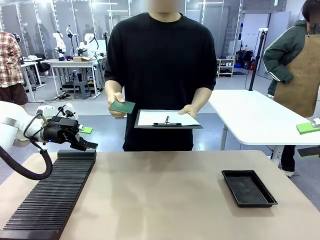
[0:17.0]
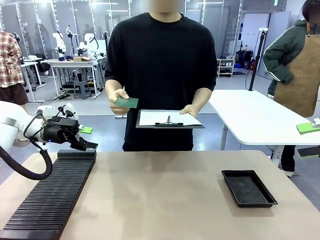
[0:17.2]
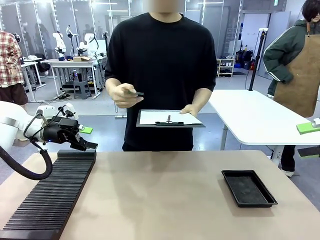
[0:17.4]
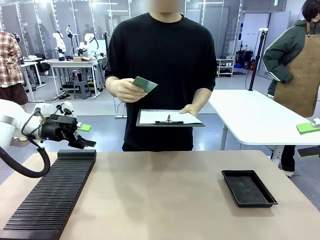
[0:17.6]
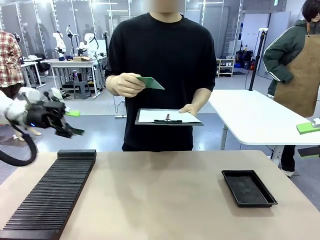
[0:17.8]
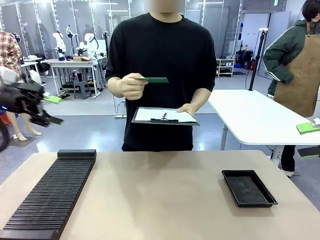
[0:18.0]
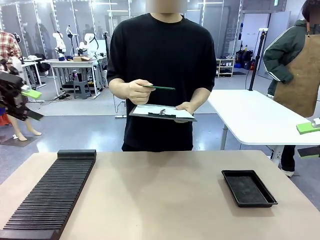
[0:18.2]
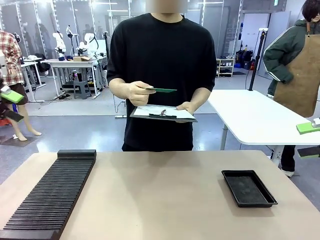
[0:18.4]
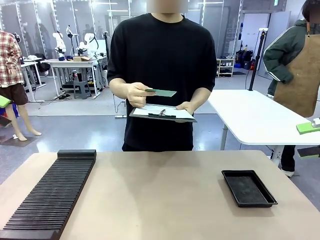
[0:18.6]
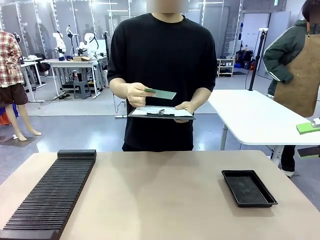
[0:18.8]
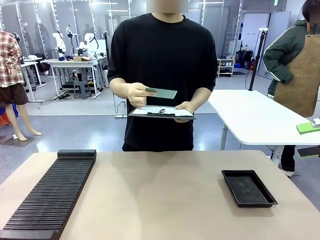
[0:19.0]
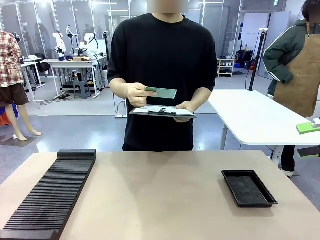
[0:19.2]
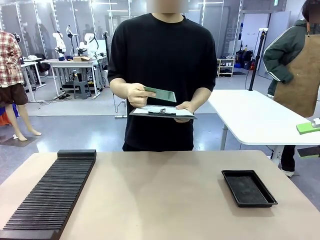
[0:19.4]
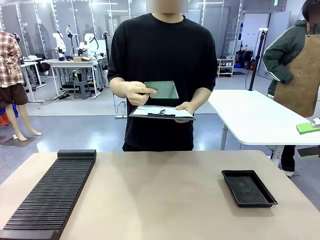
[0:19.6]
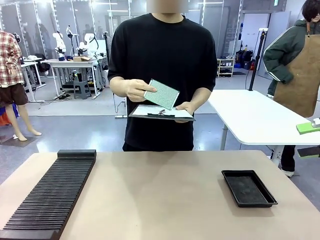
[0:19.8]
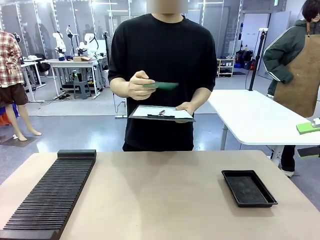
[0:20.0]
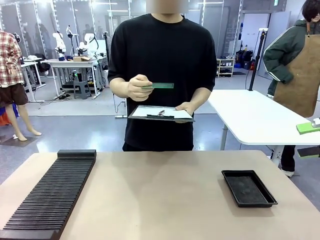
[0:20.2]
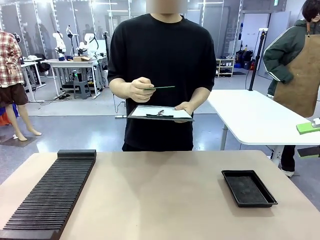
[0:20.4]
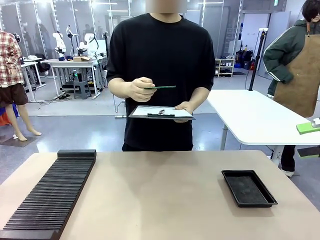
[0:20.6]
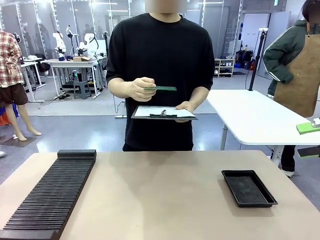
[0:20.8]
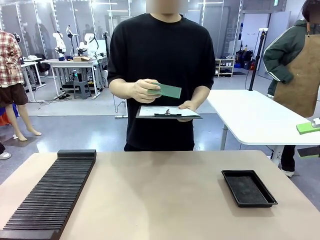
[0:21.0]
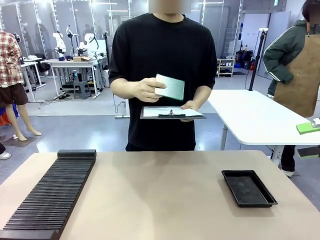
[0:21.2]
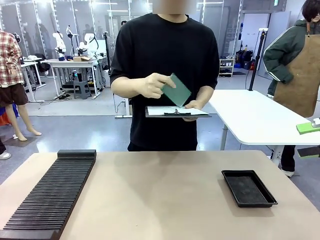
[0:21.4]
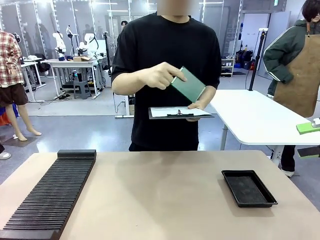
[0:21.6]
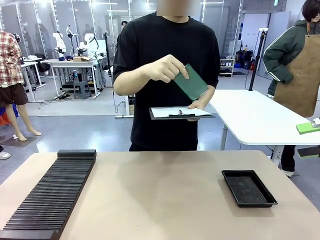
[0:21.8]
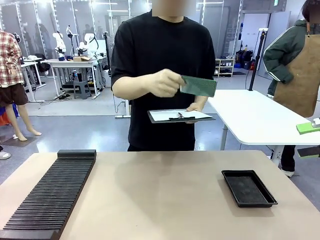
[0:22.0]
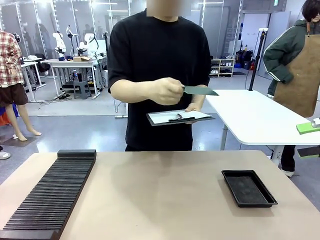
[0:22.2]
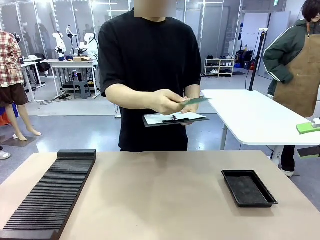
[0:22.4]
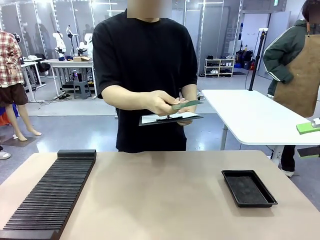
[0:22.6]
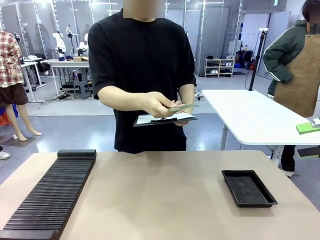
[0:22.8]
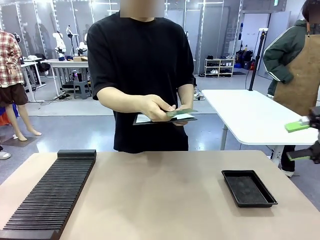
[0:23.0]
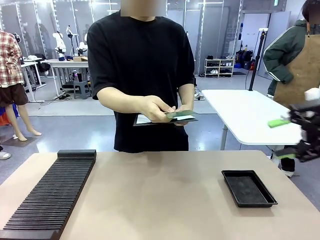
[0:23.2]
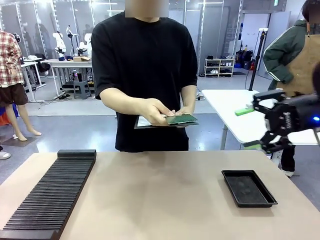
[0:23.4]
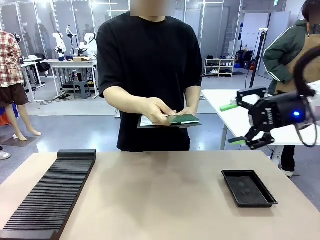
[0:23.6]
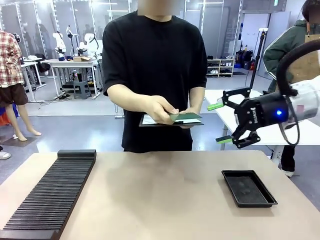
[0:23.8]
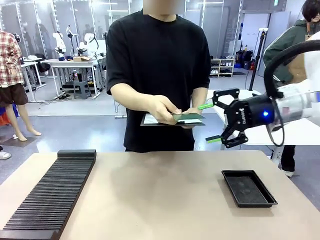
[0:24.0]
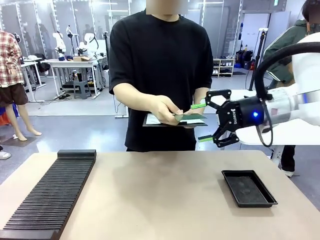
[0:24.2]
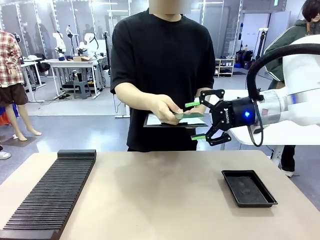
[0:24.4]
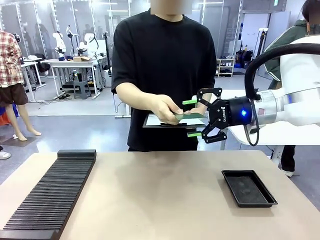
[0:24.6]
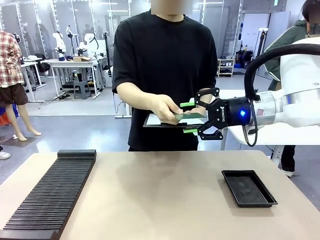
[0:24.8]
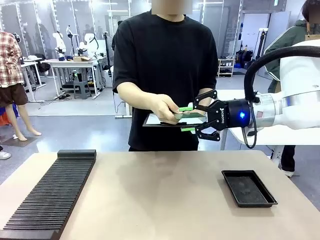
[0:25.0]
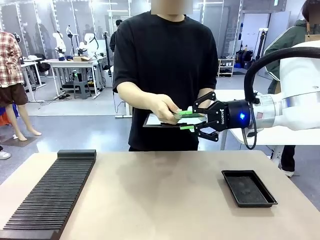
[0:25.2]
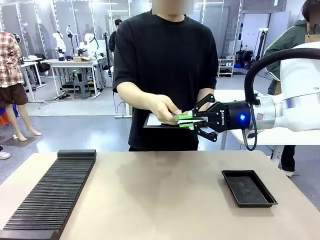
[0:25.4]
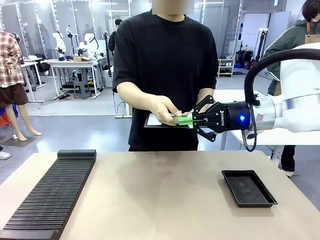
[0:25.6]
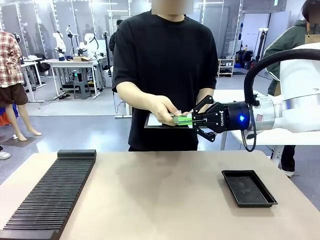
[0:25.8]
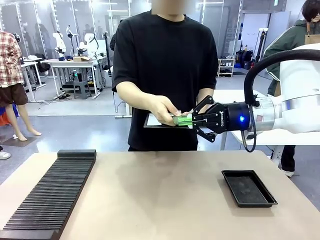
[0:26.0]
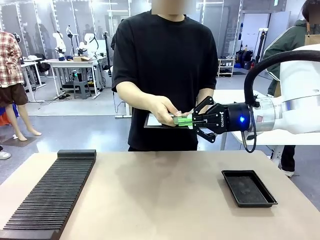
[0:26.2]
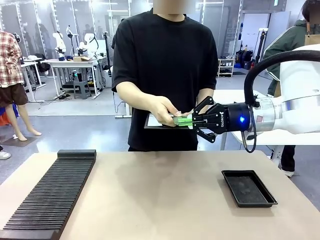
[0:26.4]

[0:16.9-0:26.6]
Task: Inspect the PCB.
Robot: Pick up the Blank PCB that the human is holding.
Person: Inspect the PCB placed by the robot, then hold it out in front of the robot. Release the PCB you were holding.

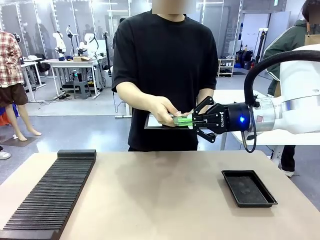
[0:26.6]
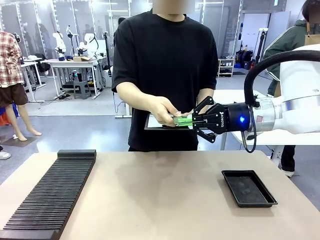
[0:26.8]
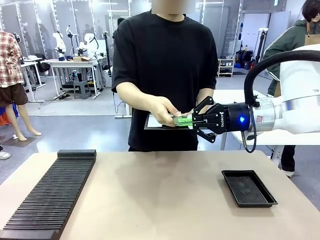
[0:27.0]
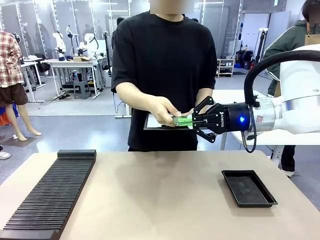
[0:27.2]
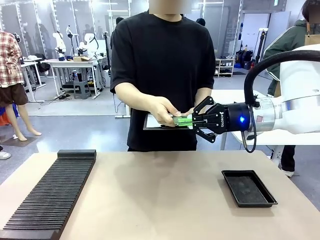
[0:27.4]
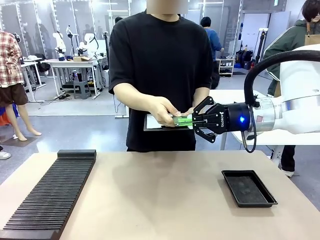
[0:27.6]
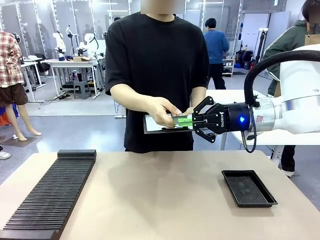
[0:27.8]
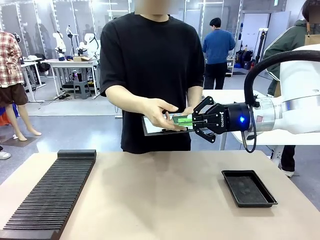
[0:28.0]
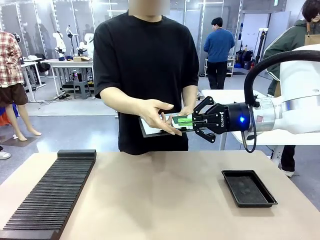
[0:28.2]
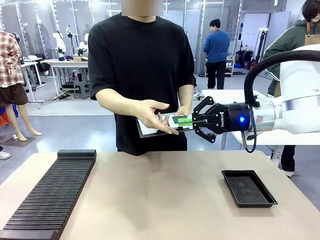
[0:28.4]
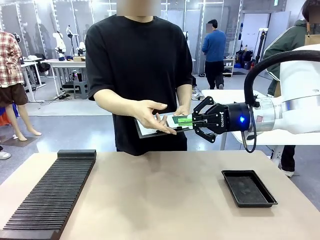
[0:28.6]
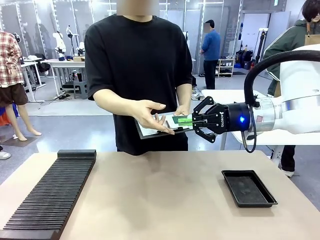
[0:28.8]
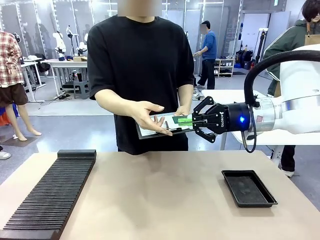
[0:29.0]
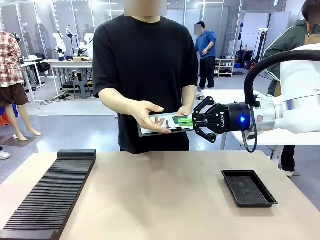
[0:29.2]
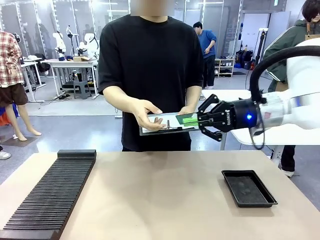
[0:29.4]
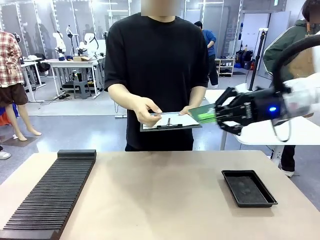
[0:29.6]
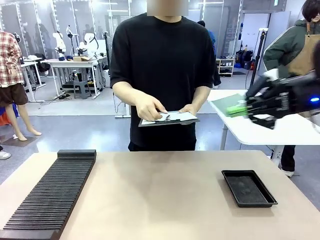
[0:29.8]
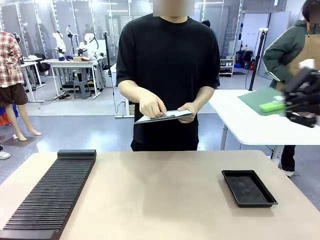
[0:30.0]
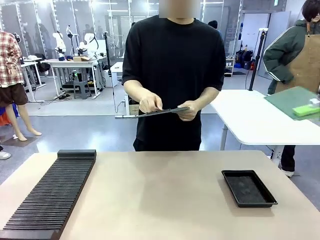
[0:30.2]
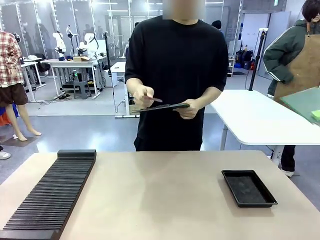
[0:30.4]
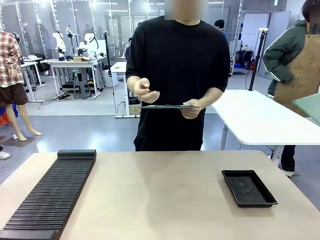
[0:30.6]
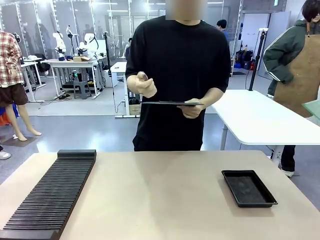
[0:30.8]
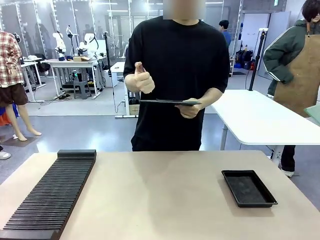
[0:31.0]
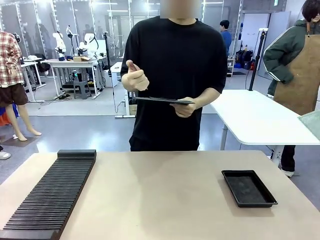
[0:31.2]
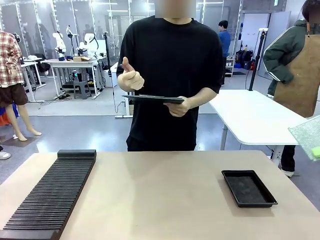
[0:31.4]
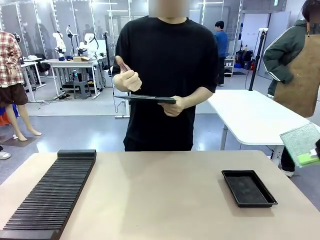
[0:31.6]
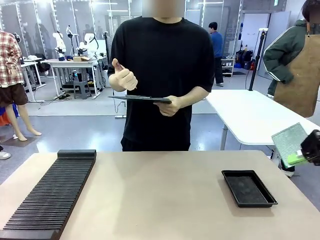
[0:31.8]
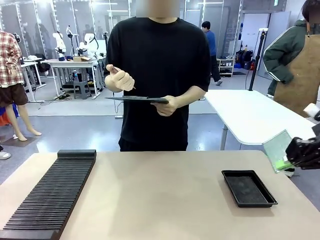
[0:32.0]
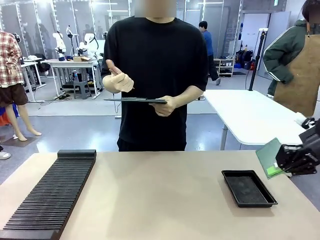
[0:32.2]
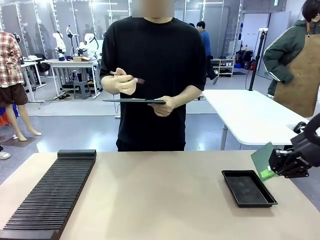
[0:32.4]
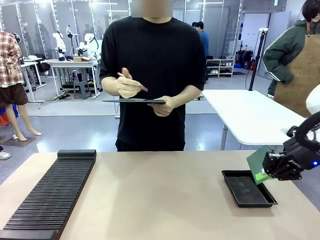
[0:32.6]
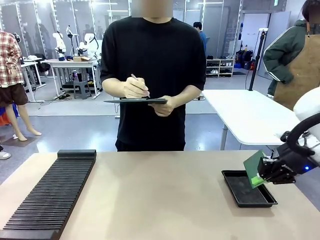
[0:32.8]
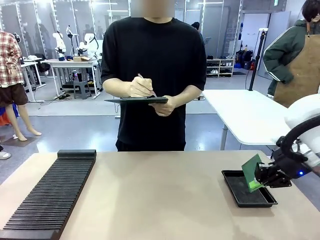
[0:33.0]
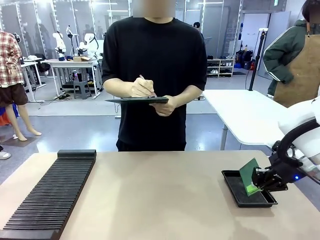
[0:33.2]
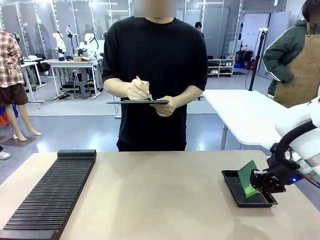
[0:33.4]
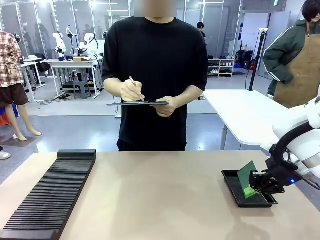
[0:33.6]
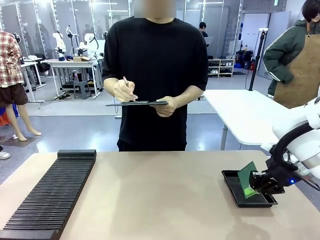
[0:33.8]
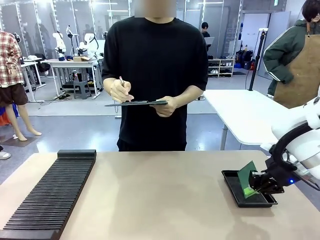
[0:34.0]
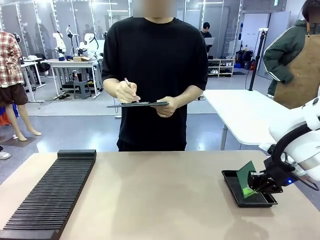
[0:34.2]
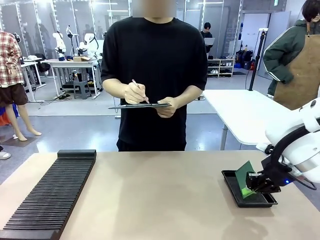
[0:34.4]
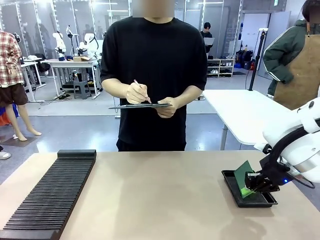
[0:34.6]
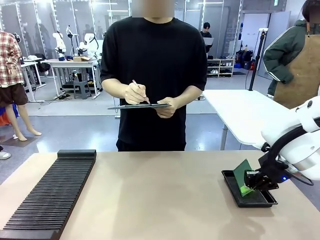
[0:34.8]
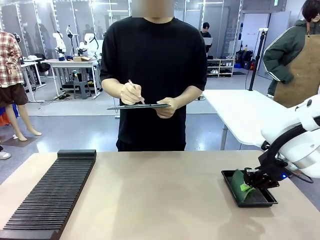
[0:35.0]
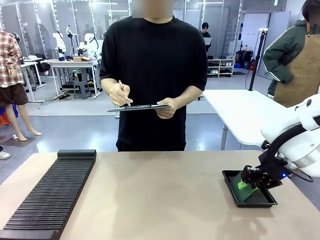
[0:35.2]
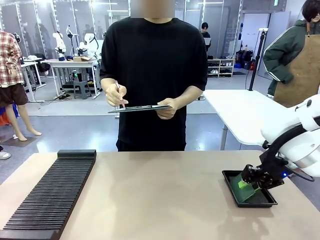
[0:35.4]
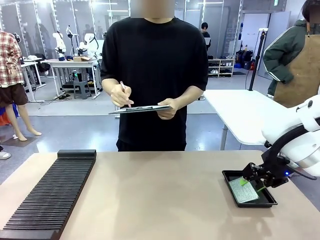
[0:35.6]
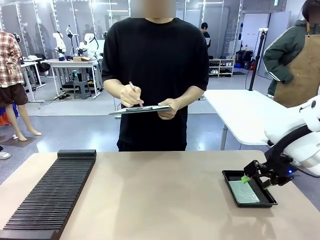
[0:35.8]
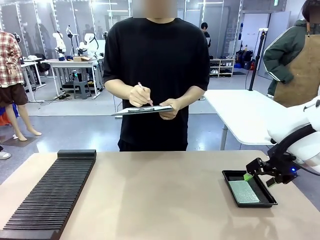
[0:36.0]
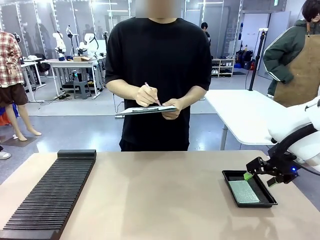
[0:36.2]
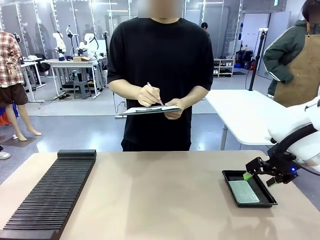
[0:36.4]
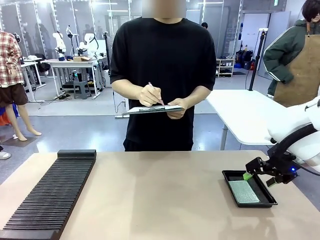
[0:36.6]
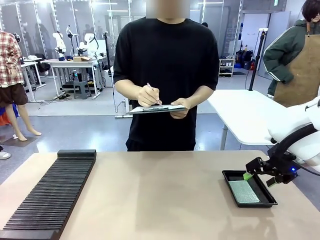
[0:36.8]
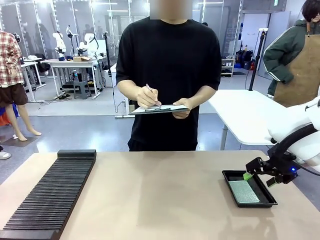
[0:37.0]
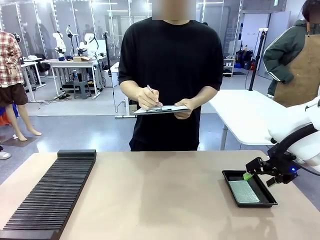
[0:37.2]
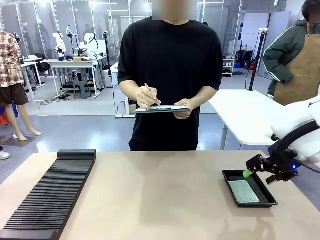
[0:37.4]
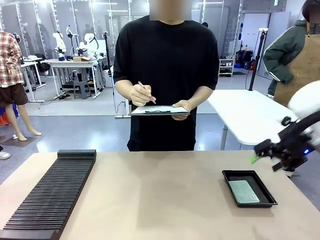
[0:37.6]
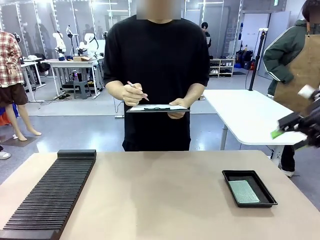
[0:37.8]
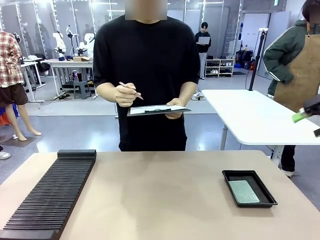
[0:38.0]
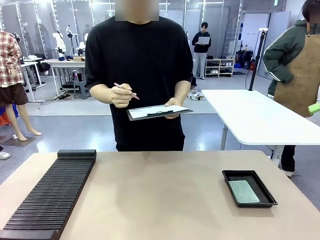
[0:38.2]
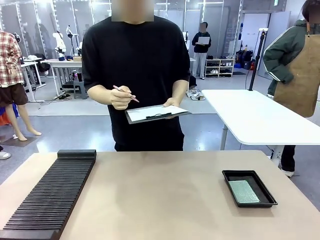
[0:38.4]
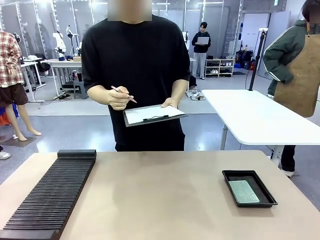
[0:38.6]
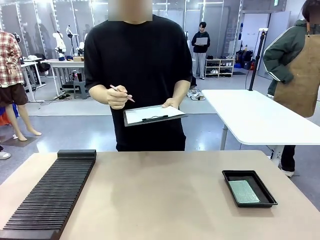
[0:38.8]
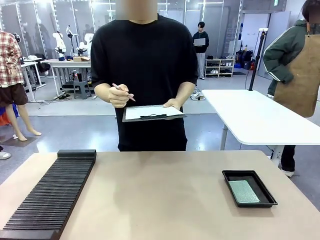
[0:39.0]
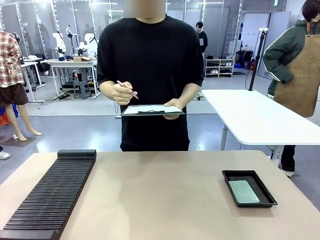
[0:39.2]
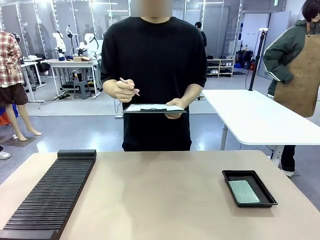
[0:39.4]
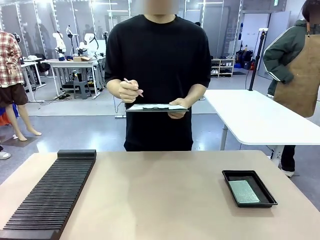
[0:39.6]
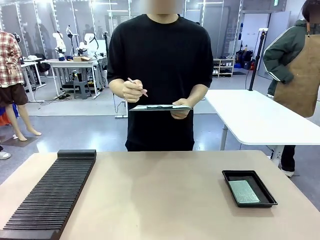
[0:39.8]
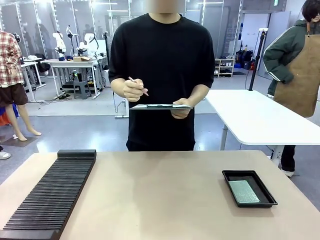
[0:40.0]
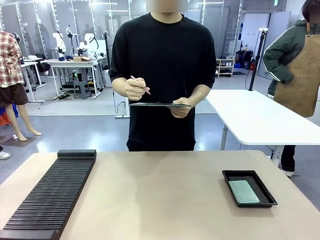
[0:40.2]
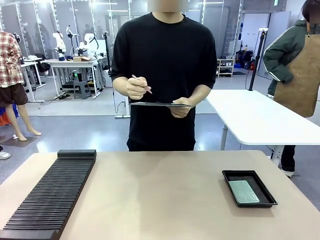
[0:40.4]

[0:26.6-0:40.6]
Robot: Place the Blank PCB in the ESD tray.
Person: Record the PCB status on the paper.
